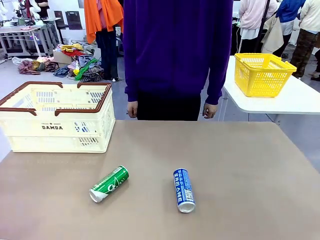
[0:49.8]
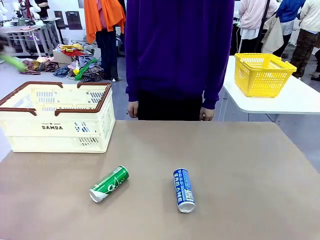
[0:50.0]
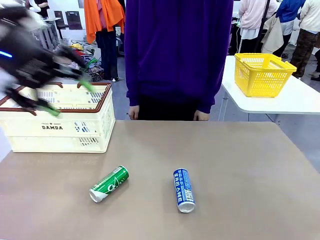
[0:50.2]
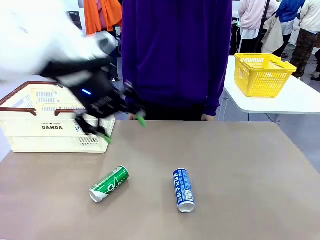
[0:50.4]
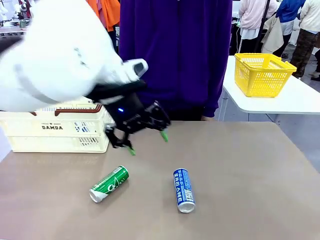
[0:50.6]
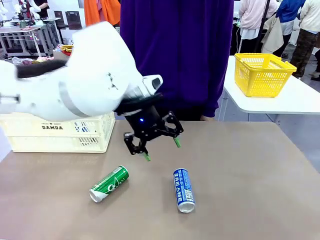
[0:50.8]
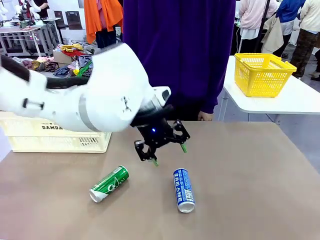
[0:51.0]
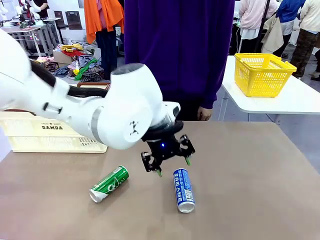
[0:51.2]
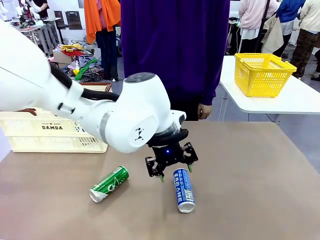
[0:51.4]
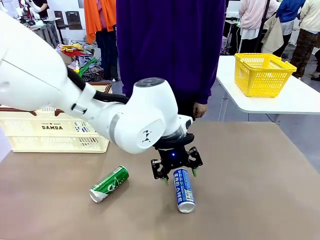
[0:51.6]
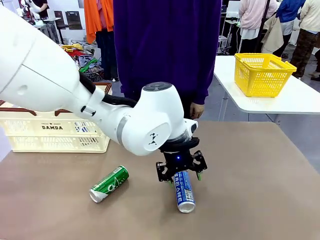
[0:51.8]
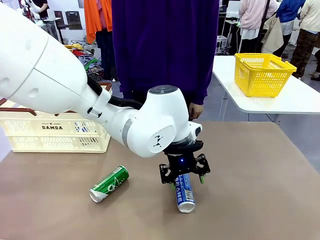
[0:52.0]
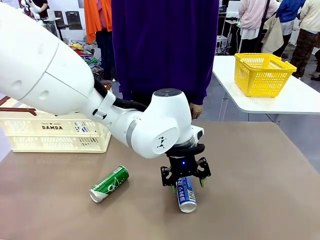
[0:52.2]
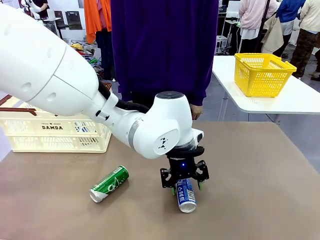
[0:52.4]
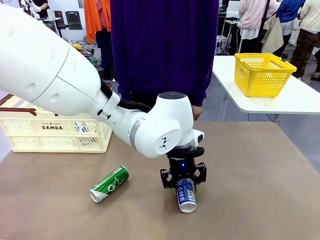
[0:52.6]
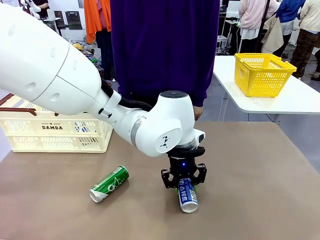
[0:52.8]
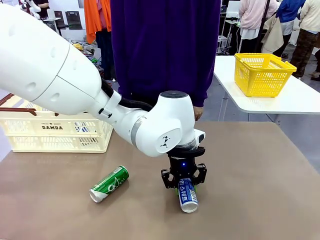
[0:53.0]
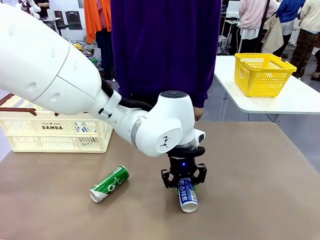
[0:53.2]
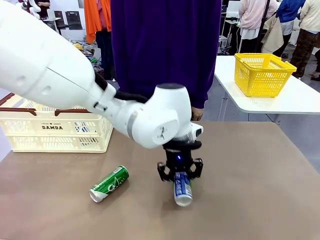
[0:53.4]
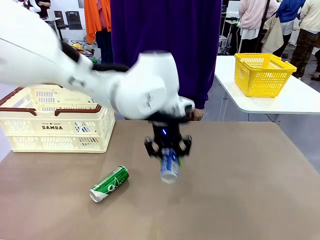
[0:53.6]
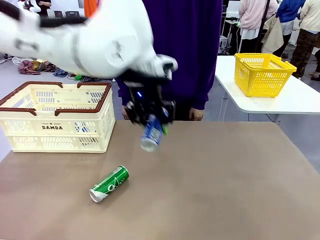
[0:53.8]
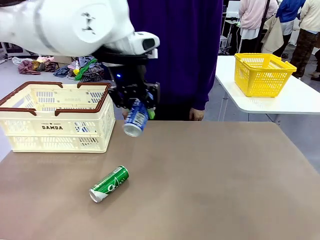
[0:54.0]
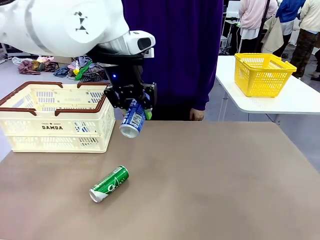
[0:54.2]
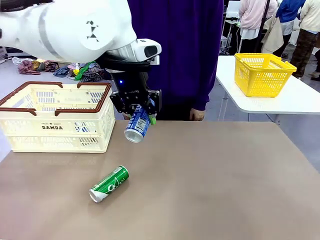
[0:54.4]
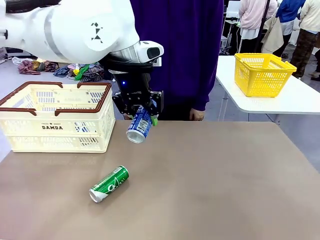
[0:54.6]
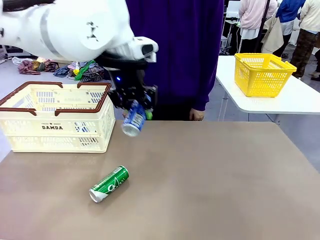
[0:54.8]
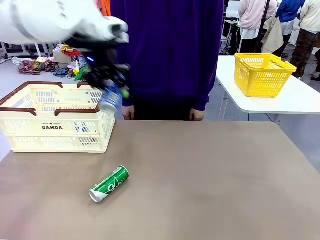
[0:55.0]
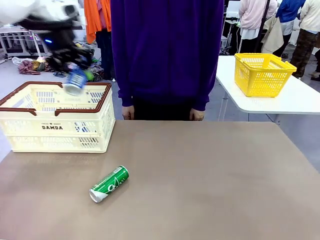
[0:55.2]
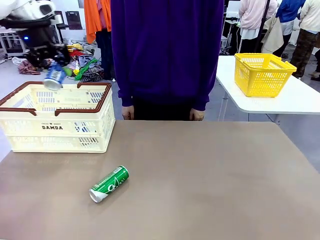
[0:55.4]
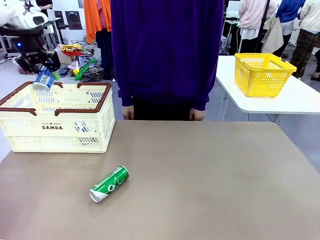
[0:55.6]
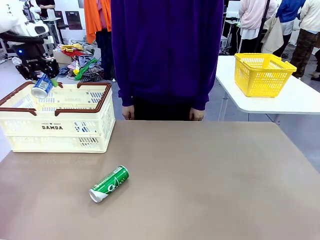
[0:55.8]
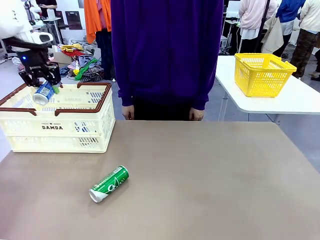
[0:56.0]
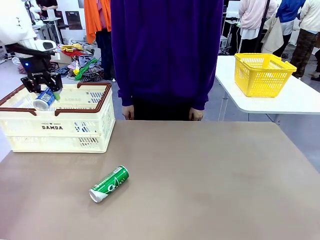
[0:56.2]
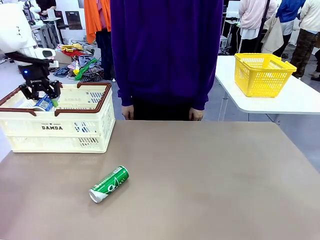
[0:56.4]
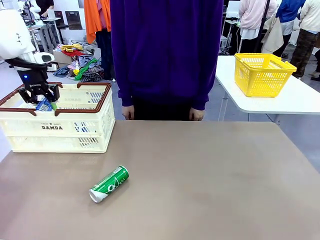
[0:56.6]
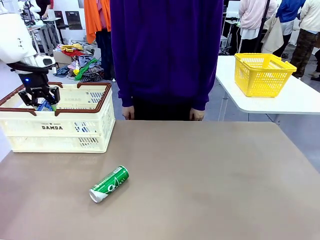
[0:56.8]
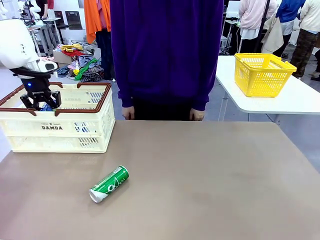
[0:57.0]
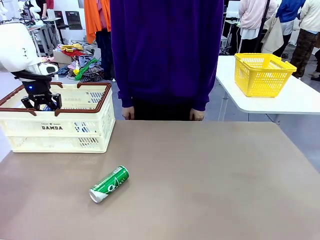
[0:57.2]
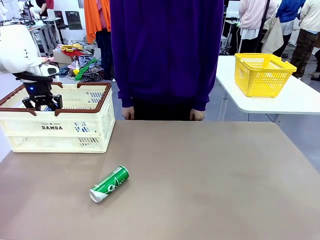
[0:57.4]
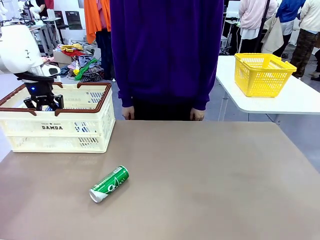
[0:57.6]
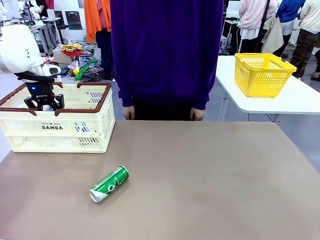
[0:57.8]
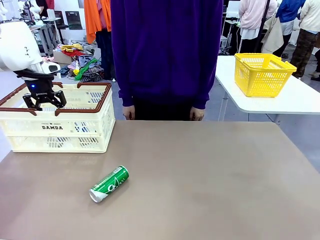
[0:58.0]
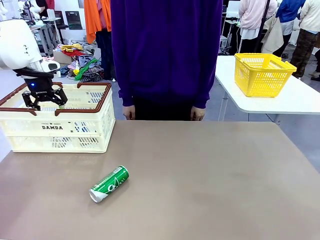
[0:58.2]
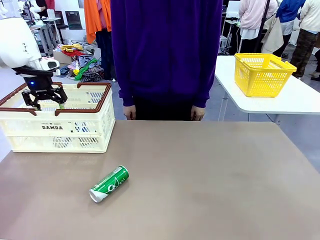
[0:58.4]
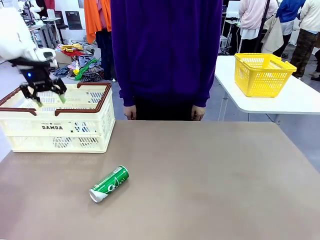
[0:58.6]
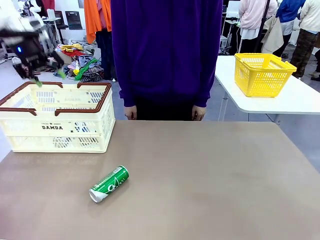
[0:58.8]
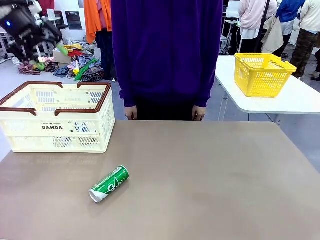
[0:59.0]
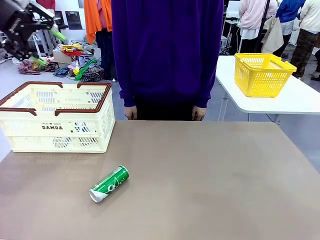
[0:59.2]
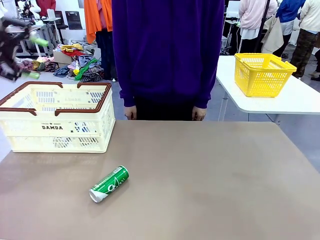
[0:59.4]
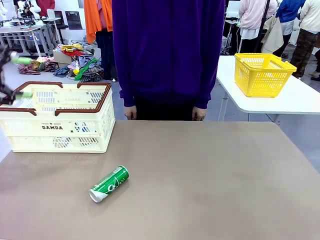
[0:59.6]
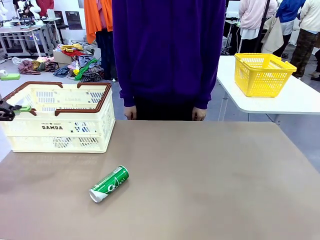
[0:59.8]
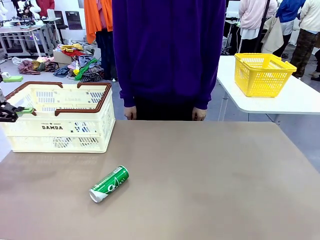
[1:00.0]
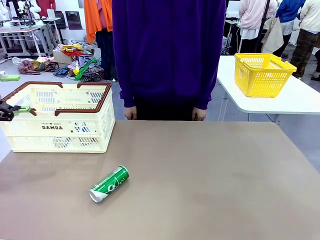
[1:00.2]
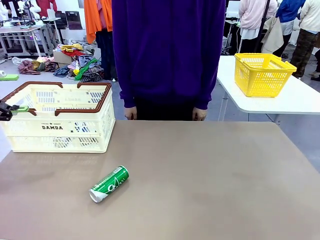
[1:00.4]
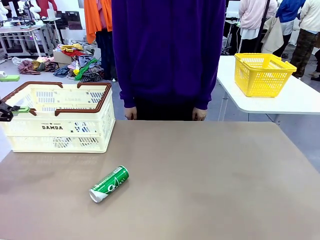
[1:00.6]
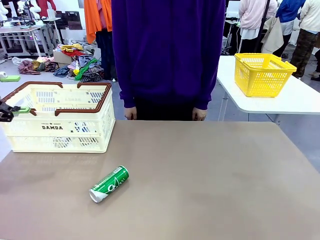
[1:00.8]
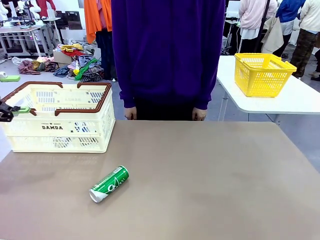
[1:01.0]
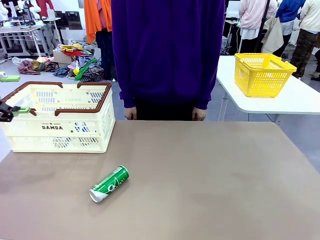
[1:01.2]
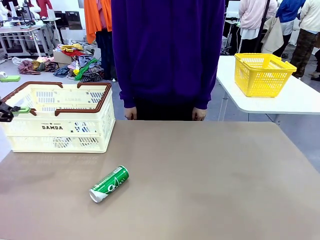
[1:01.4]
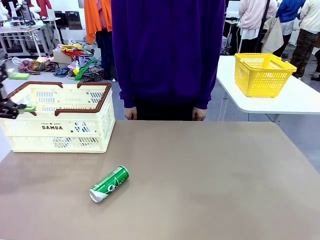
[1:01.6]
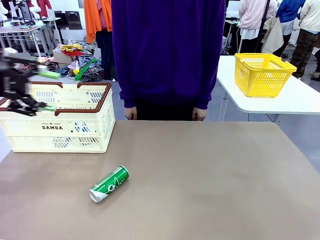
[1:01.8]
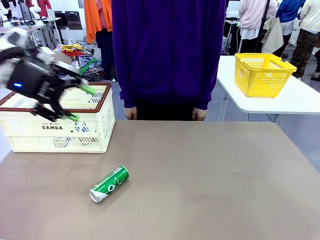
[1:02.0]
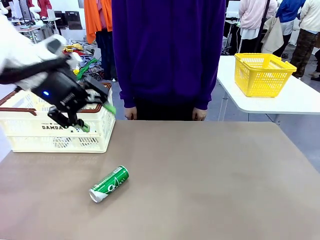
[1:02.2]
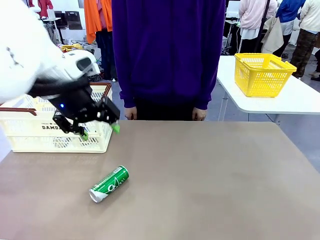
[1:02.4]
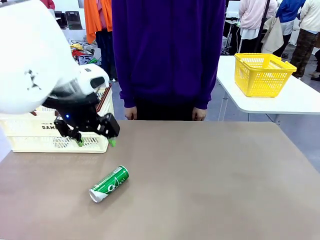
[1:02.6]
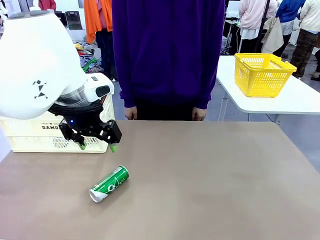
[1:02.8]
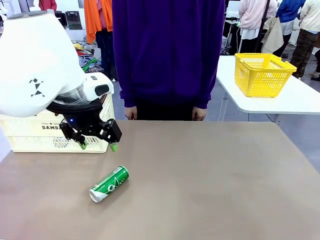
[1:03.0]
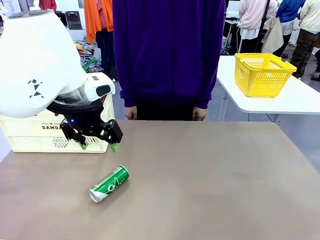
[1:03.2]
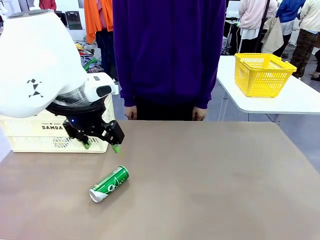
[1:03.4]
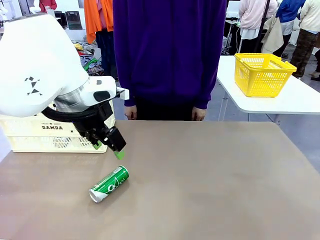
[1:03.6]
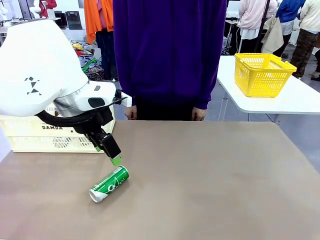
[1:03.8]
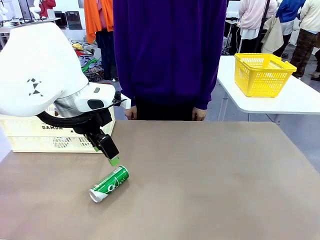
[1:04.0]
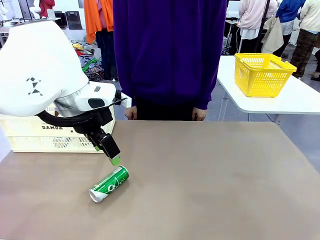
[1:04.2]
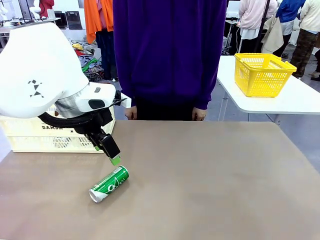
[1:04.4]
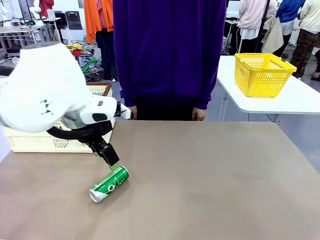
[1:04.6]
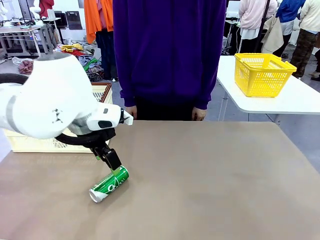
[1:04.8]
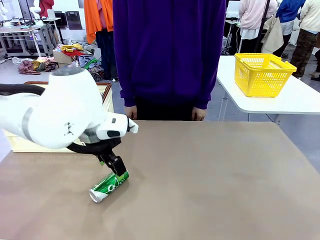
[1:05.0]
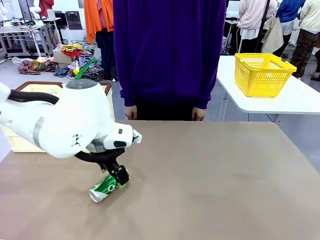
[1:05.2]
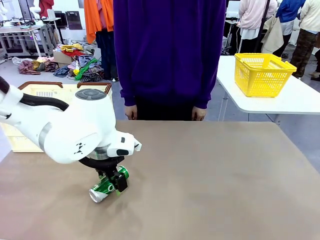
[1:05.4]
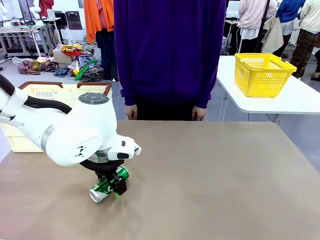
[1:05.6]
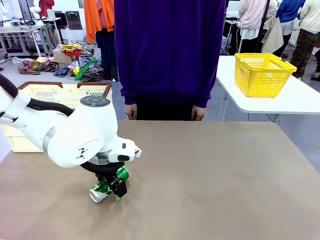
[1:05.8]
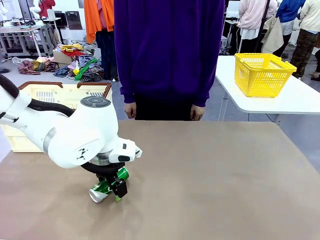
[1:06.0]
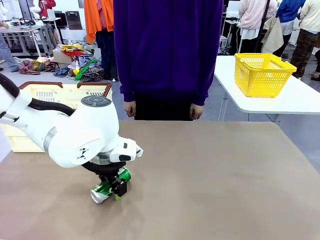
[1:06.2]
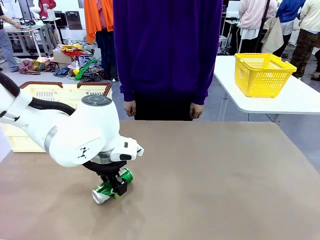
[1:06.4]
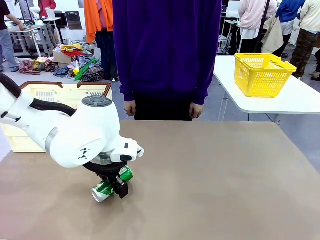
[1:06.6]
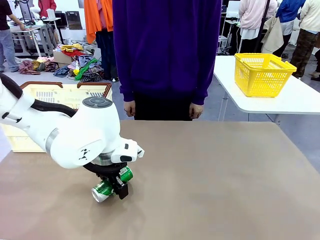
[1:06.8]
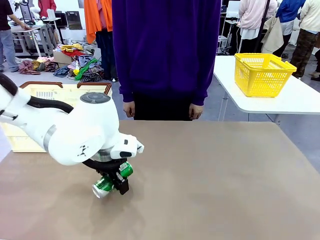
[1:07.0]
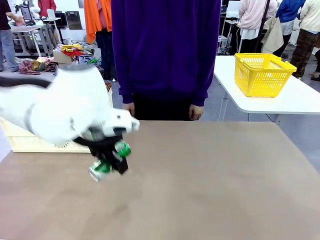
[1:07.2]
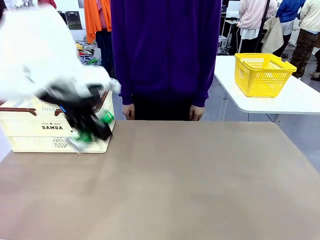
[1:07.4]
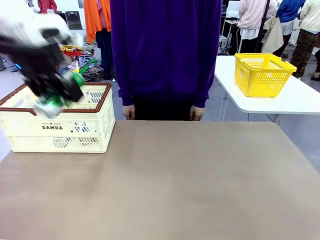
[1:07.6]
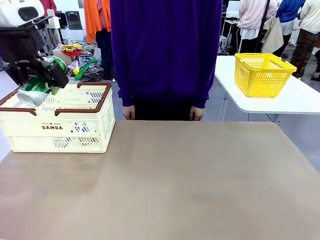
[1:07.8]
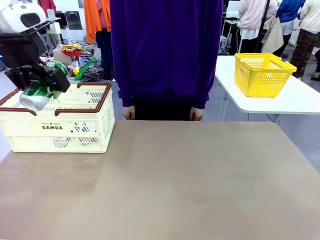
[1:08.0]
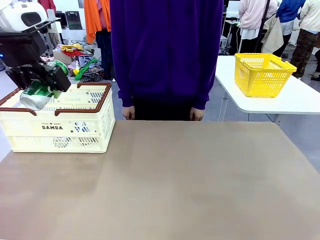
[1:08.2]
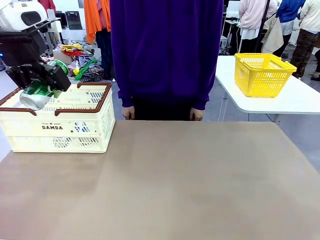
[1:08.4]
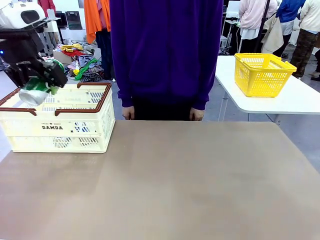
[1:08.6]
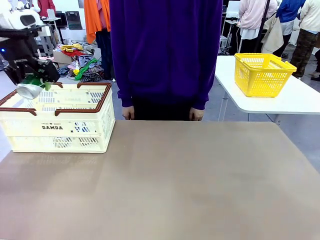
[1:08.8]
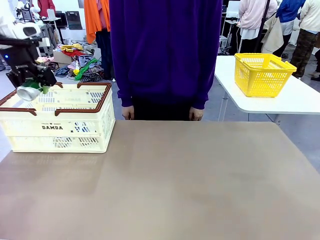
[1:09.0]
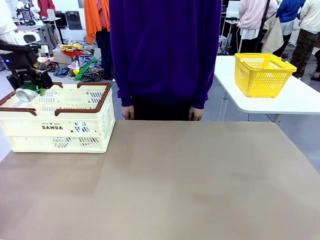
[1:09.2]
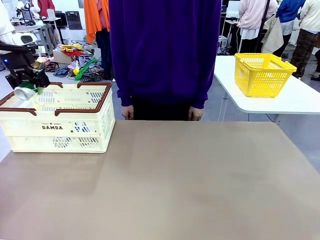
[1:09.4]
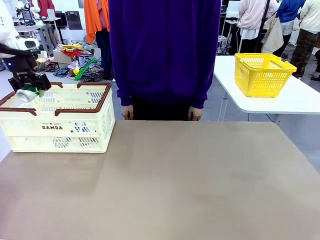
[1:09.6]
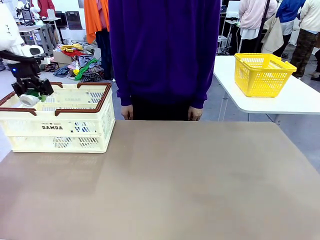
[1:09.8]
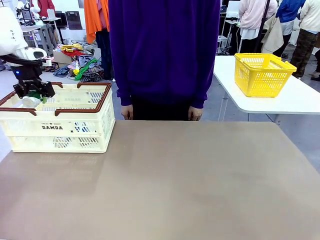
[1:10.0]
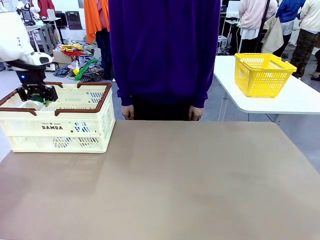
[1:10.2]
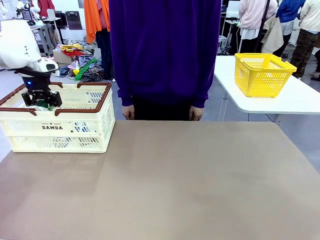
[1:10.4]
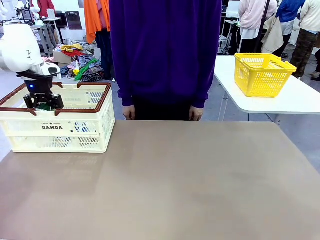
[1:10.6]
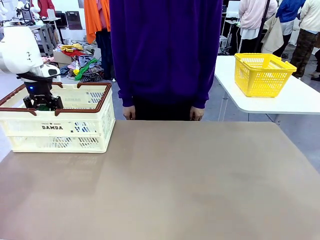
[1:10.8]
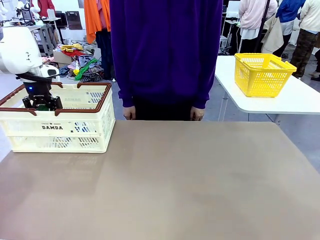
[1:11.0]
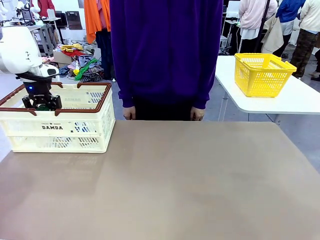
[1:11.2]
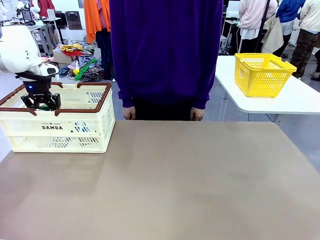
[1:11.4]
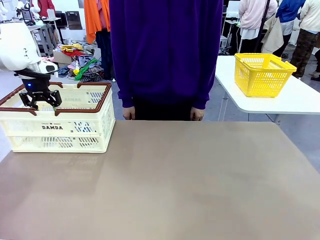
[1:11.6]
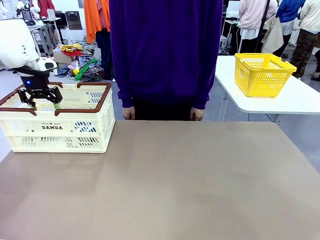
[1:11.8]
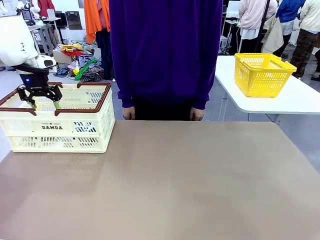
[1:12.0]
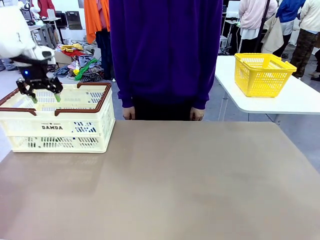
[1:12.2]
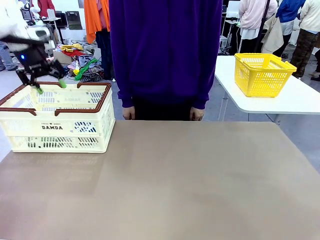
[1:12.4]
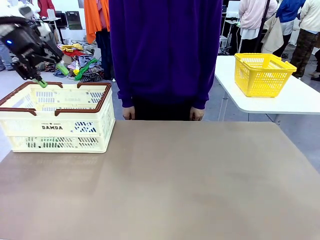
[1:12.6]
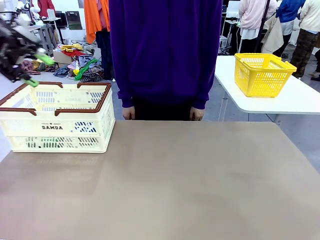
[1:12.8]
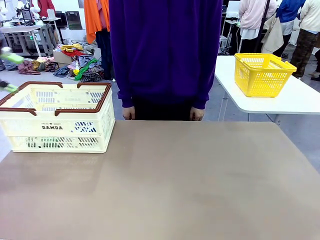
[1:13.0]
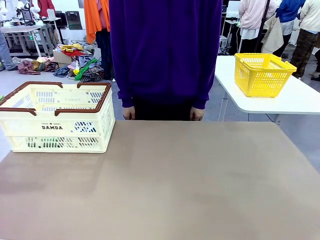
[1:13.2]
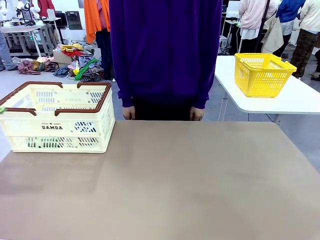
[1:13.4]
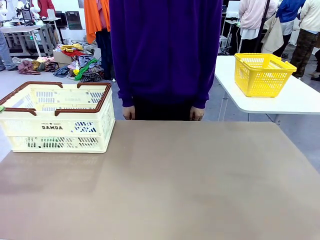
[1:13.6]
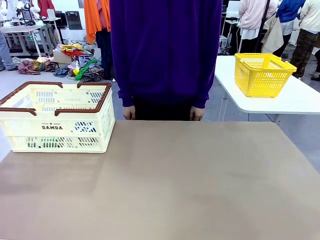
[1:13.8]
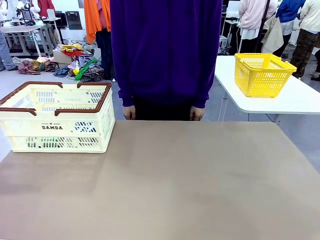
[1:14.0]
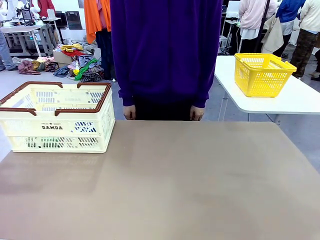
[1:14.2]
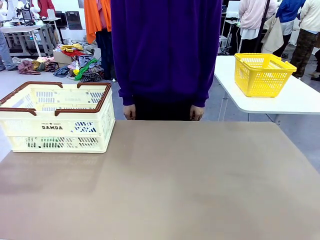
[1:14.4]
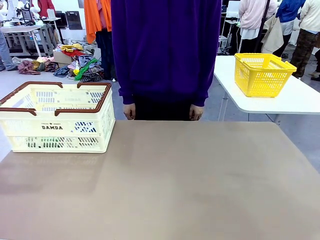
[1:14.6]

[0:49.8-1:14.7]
Task: Place the drinks into the Shopping basket.
Robot: Pick up one drink and place it into the Shopping basket.
